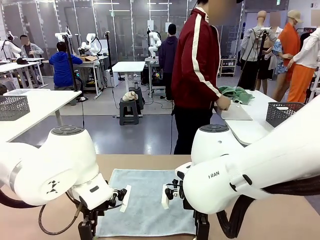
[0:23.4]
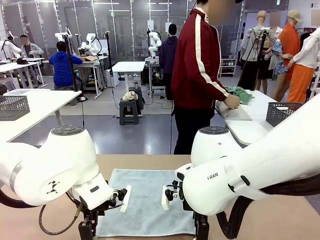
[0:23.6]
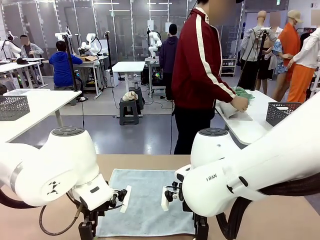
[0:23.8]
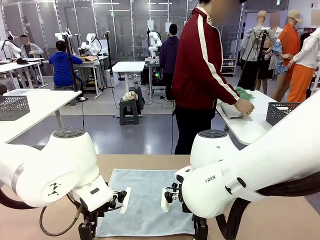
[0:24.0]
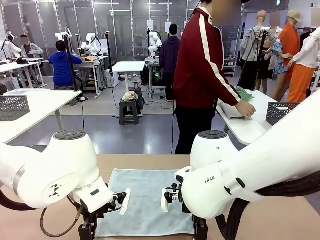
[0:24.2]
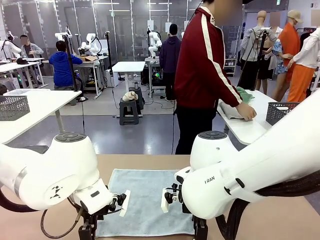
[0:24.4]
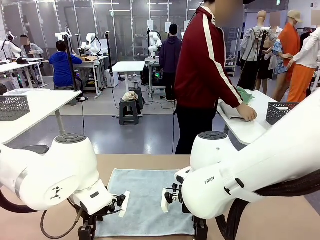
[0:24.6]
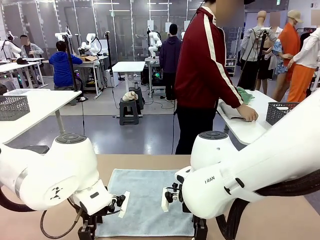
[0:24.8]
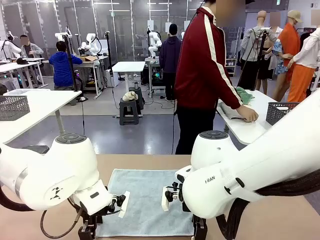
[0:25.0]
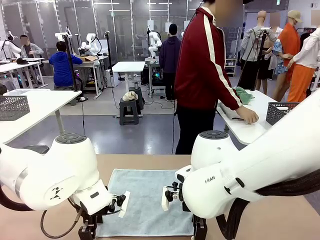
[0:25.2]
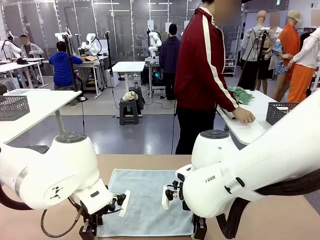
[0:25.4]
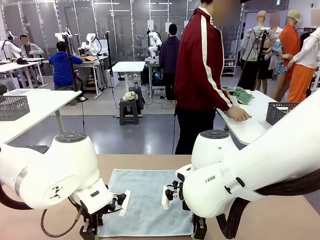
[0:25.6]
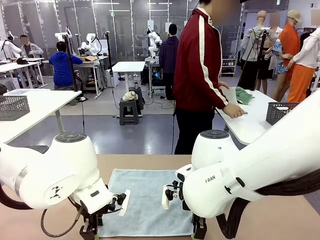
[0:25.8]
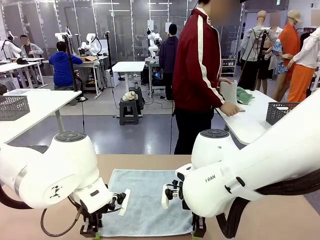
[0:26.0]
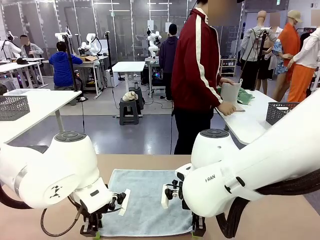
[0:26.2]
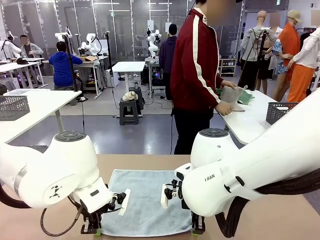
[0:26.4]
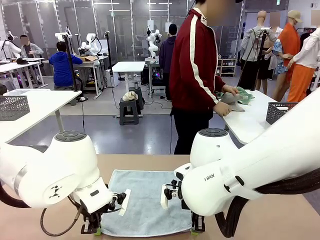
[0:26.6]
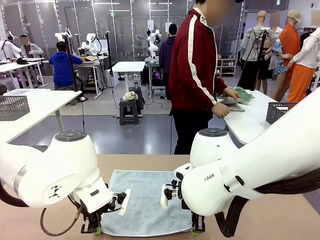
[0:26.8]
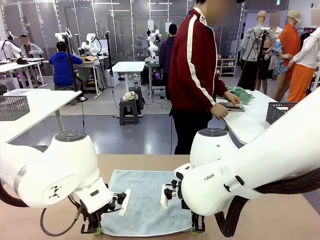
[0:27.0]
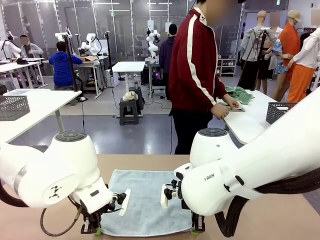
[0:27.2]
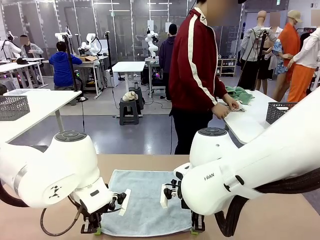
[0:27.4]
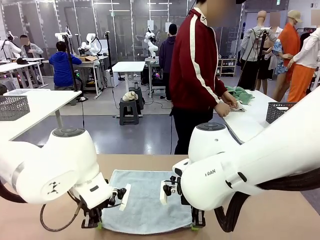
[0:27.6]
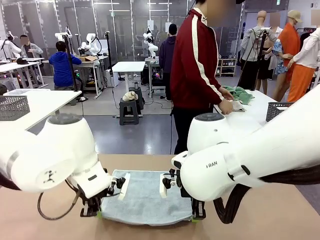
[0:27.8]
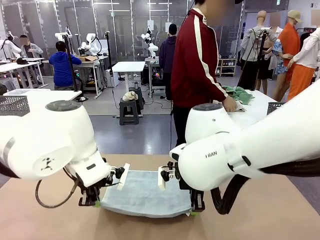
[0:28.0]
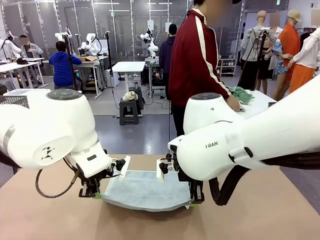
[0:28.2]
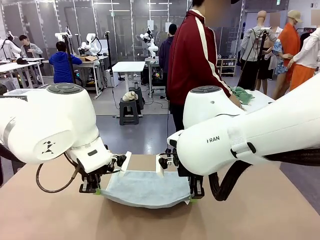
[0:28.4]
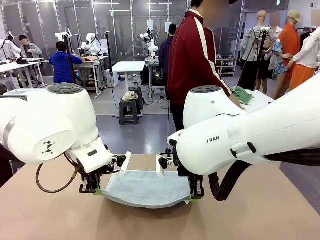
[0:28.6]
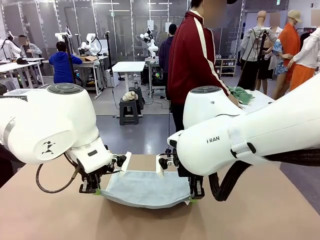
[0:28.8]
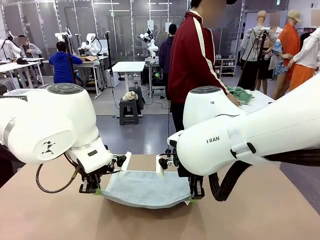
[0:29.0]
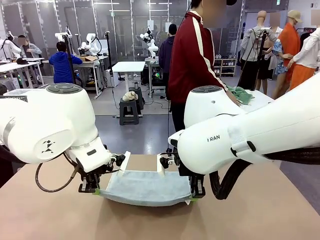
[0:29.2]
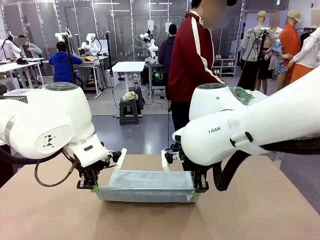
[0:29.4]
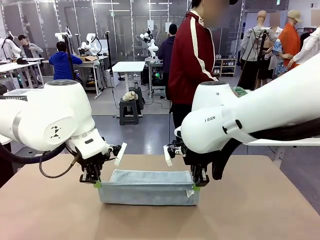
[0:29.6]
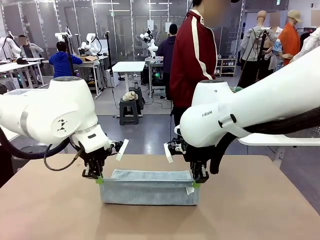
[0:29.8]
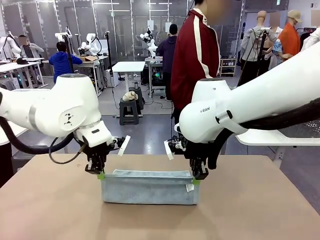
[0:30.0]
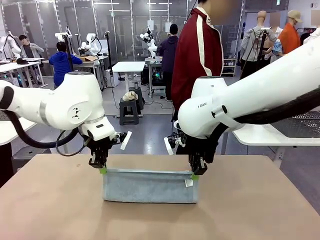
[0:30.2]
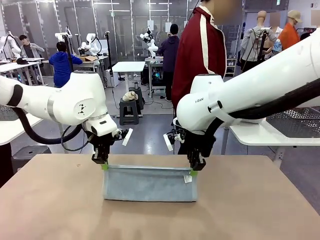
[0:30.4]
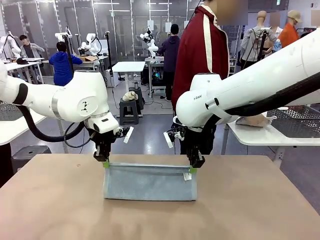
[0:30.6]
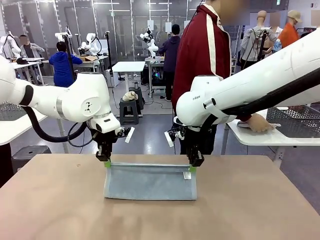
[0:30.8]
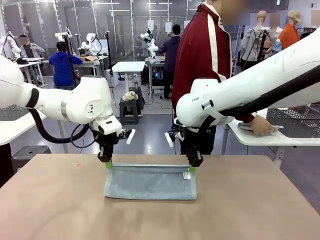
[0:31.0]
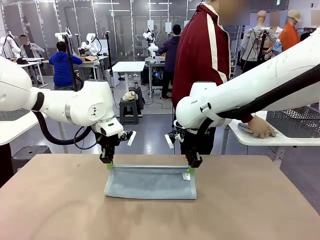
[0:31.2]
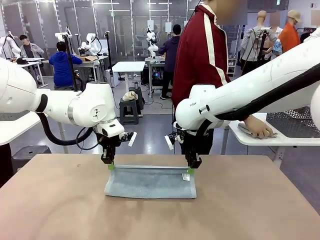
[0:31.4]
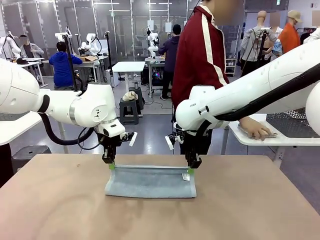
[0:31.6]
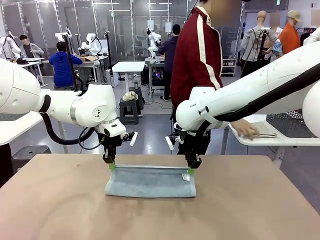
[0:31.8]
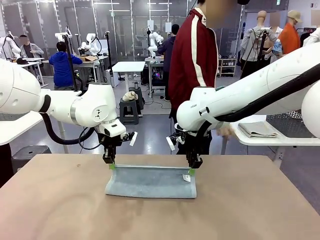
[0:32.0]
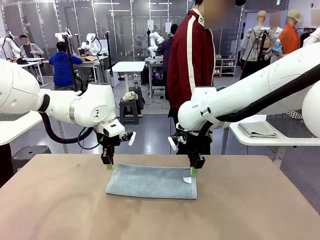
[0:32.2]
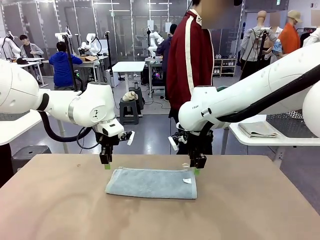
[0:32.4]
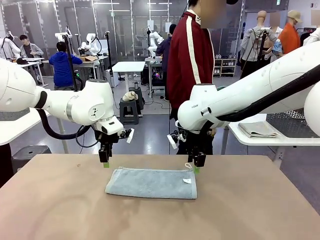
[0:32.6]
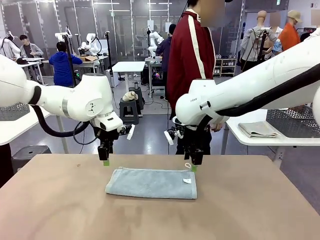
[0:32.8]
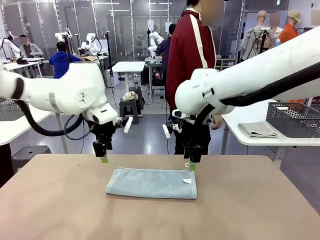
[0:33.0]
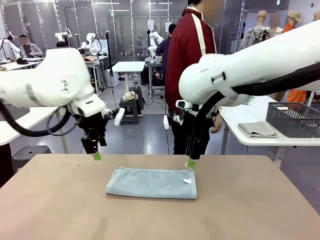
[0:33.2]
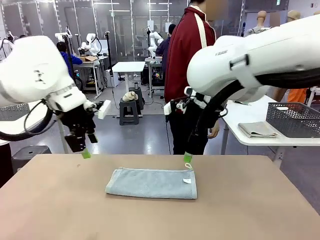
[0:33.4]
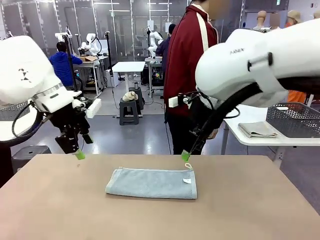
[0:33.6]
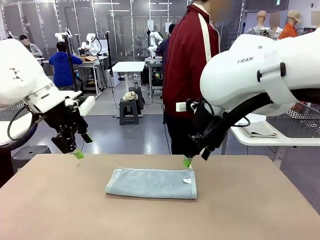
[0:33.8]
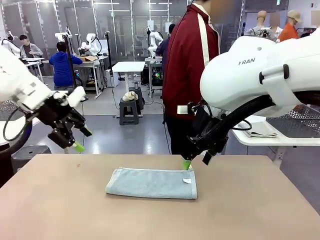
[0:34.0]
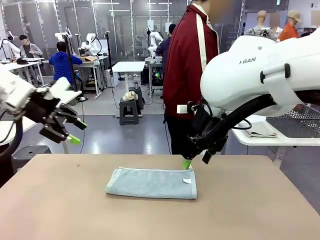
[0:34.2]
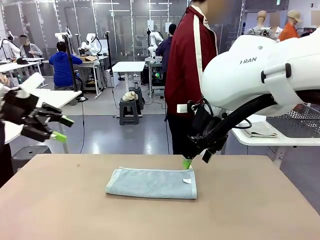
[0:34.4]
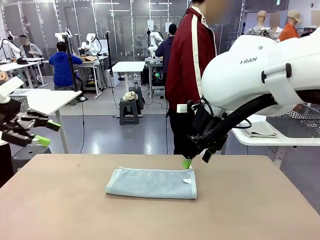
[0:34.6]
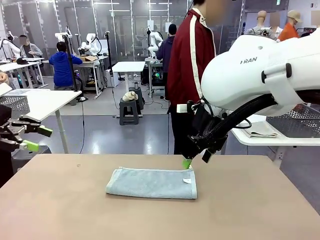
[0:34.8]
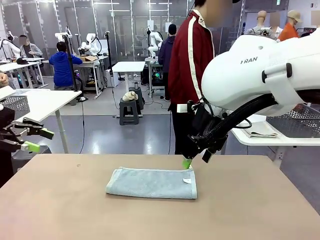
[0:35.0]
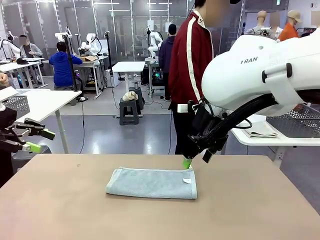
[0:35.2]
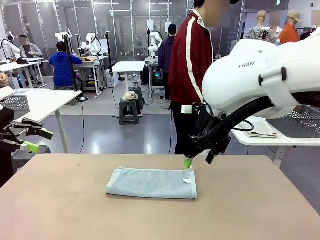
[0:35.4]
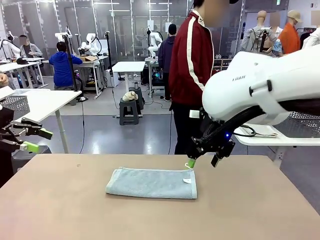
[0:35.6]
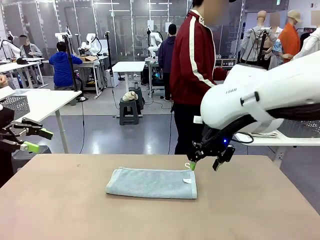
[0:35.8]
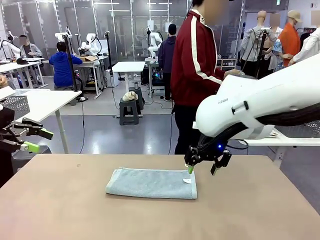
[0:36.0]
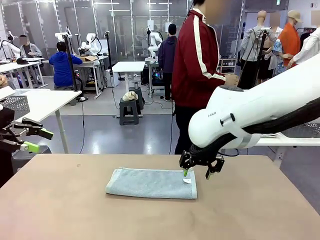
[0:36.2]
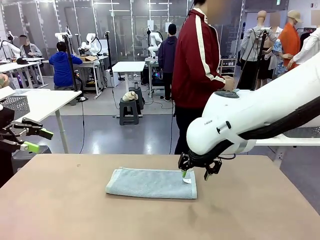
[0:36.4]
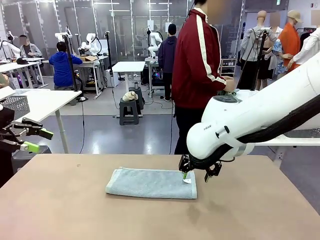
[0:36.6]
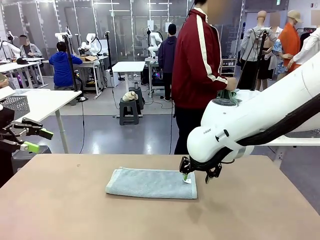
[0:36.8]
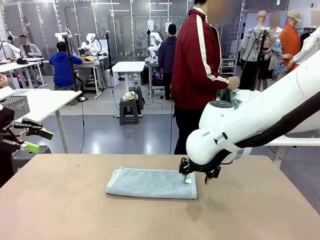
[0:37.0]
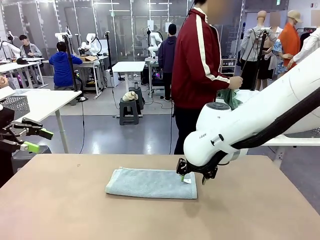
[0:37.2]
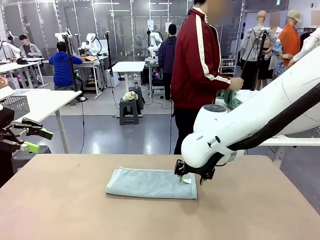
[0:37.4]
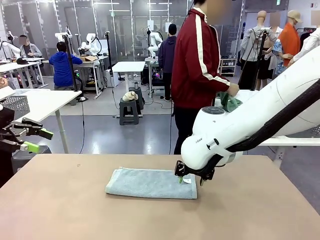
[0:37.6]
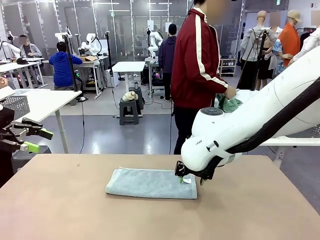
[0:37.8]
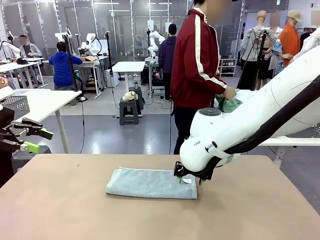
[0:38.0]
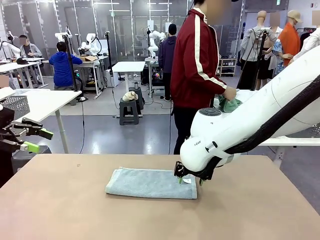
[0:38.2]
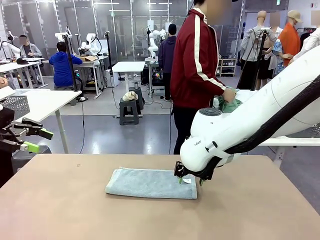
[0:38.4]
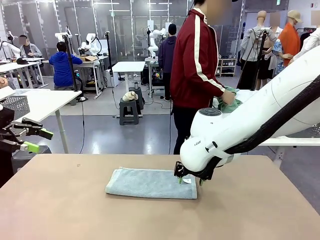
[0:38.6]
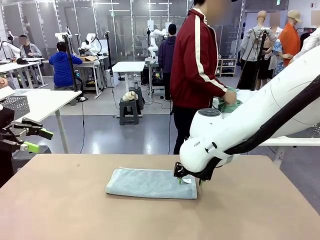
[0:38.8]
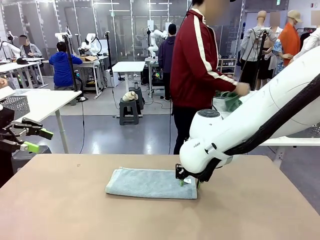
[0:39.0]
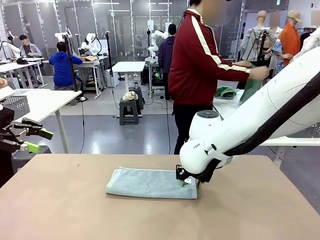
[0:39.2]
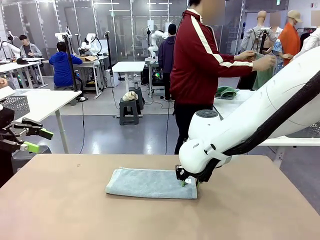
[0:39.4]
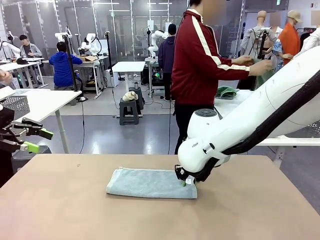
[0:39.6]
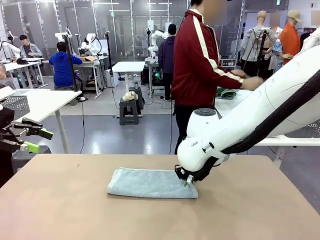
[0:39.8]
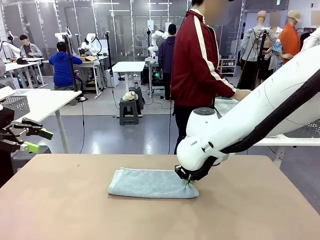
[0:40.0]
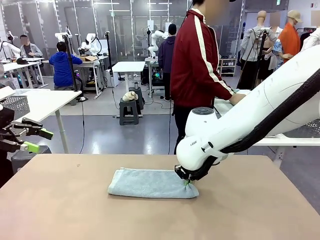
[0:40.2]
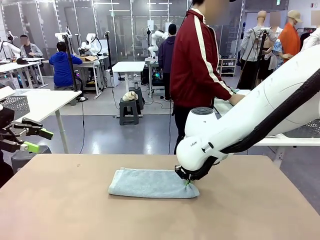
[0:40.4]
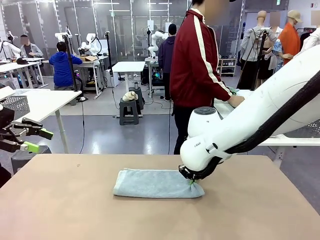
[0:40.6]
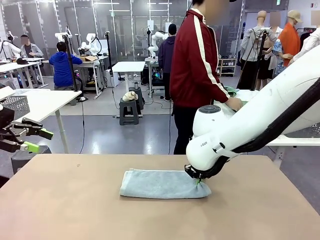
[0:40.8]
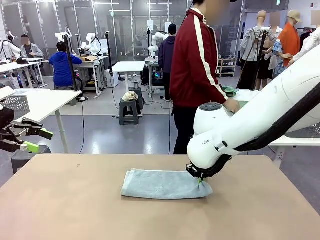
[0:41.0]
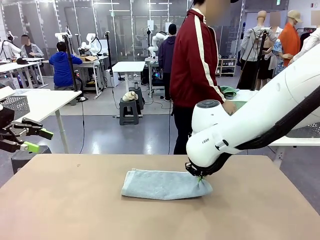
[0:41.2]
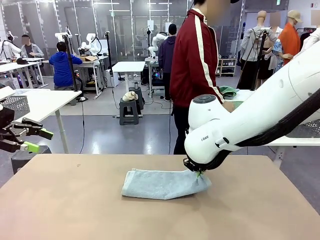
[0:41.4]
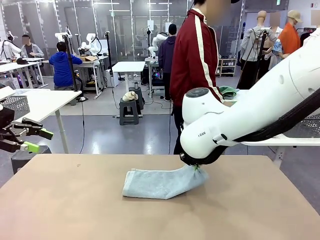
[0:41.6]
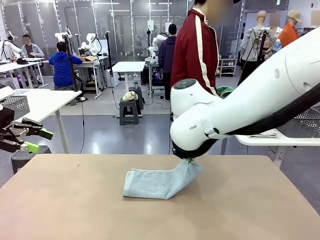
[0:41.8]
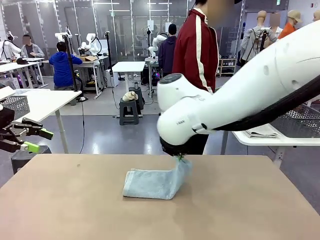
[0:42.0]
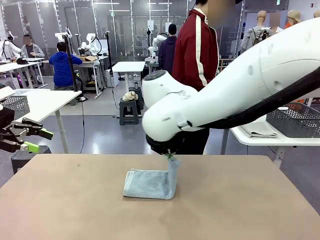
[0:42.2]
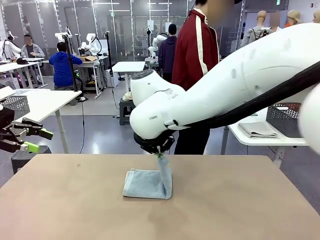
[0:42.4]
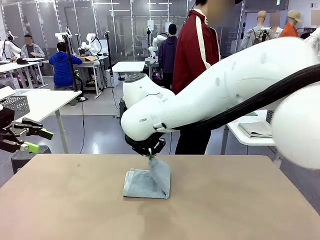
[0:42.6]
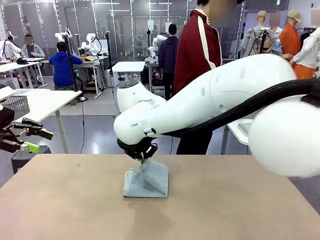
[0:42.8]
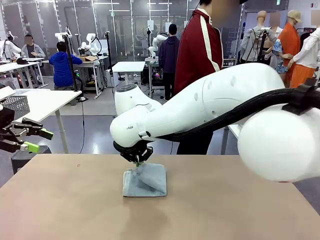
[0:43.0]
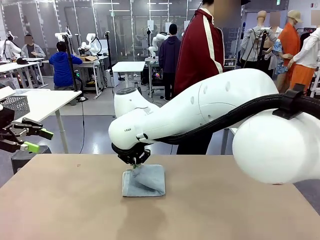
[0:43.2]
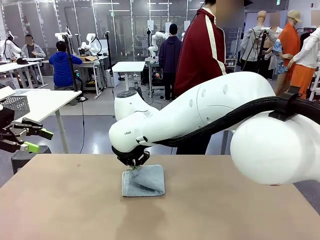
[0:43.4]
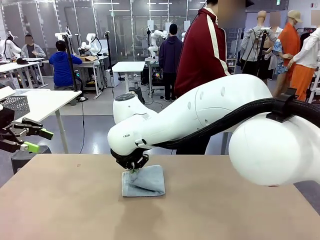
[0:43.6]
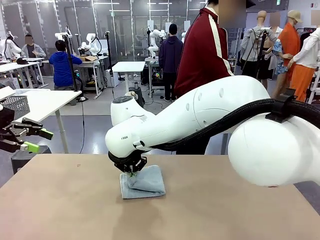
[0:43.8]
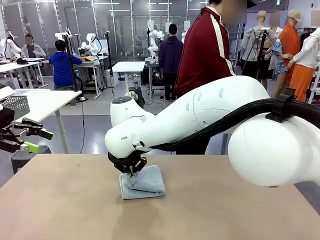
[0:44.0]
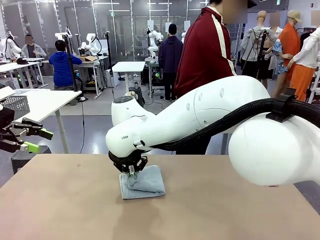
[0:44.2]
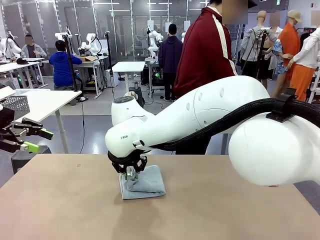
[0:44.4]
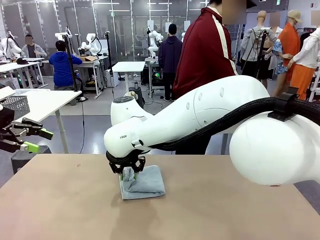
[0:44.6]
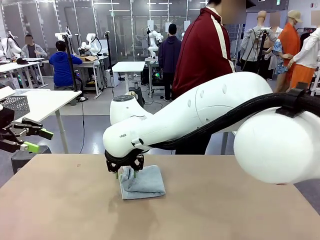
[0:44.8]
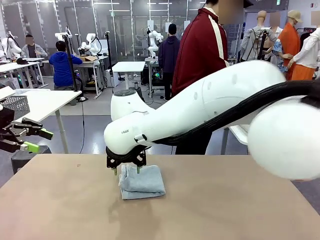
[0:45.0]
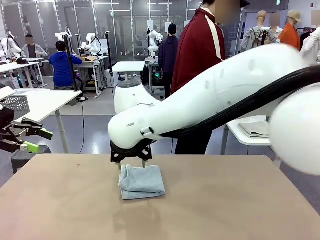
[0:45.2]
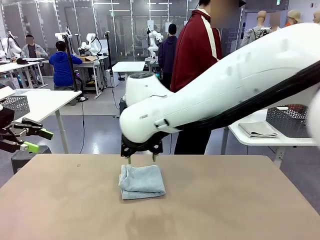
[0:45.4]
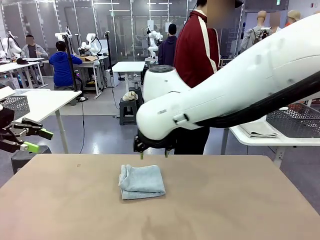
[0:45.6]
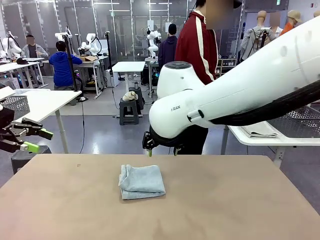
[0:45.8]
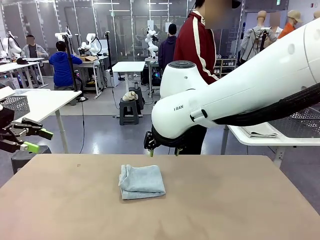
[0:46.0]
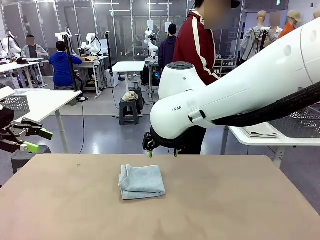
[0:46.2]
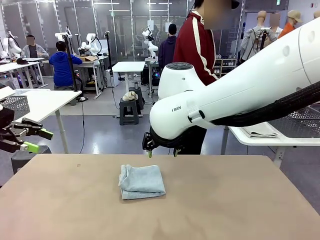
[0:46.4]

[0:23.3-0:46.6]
Task: Fold the towels and place them in the basket.
Robot: When a person lays out a Towel with hook on the table, fold it in half twice.
Person: Pick up one towel from the left side of the human table, fold it in half twice, and place it on the right side of the table. Pick up one towel from the left side of the human table, fold it in half twice, and stack it on the right side of the table.
